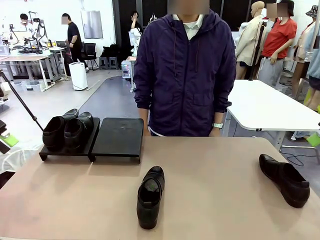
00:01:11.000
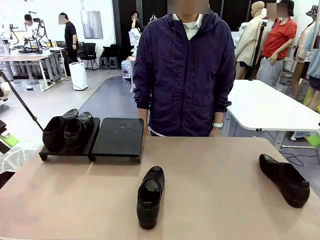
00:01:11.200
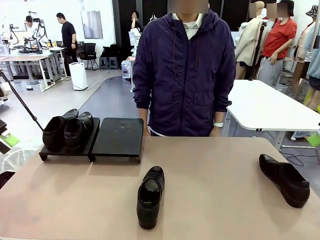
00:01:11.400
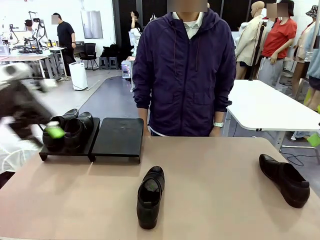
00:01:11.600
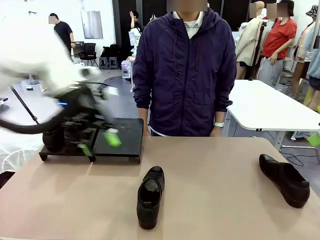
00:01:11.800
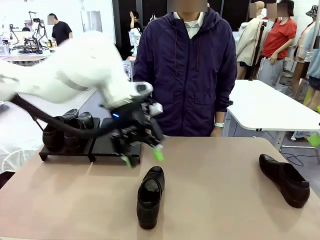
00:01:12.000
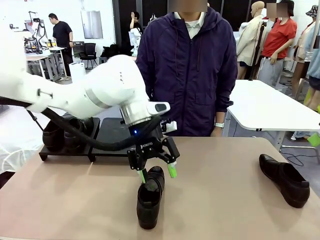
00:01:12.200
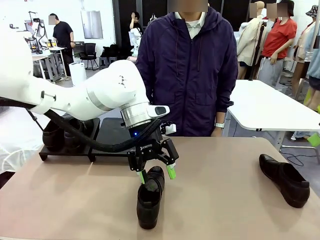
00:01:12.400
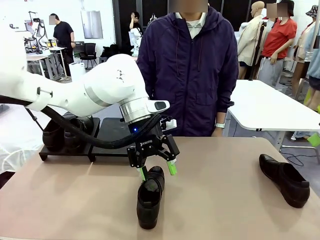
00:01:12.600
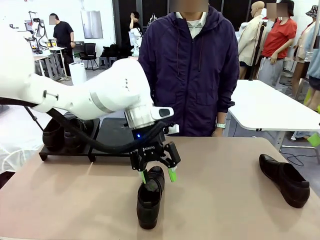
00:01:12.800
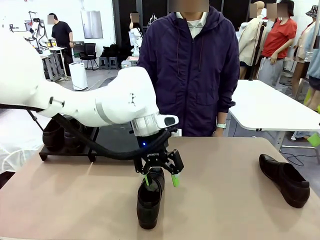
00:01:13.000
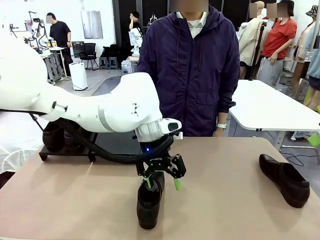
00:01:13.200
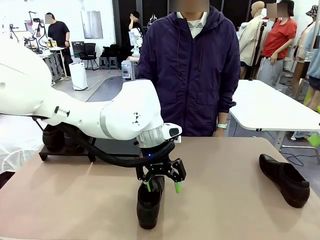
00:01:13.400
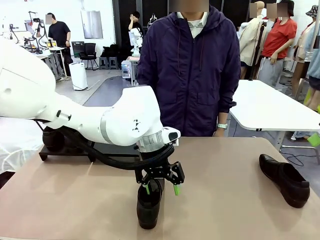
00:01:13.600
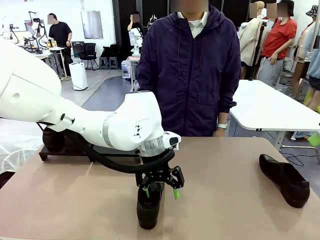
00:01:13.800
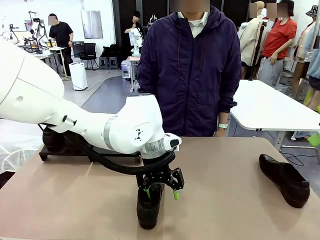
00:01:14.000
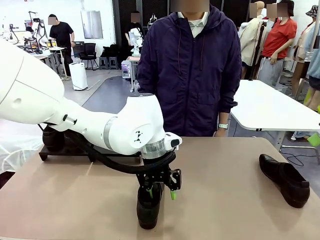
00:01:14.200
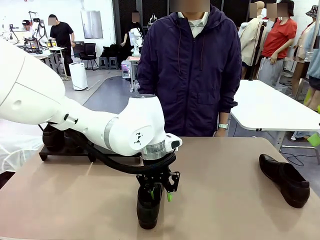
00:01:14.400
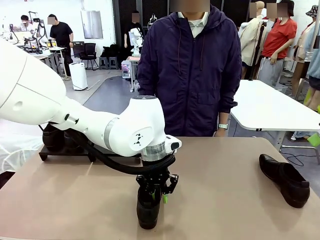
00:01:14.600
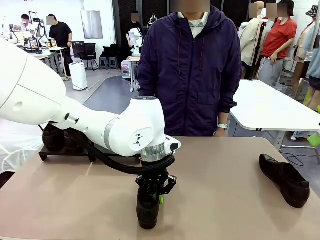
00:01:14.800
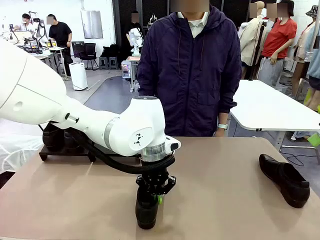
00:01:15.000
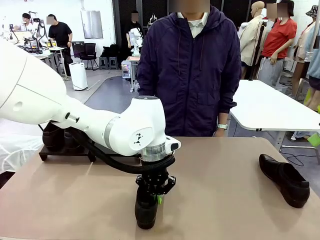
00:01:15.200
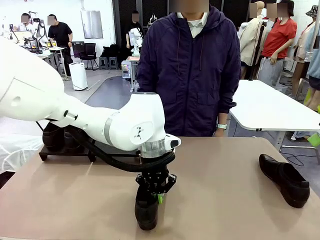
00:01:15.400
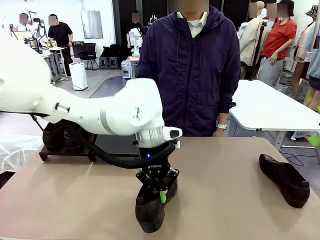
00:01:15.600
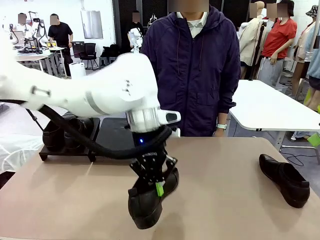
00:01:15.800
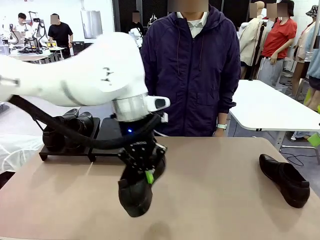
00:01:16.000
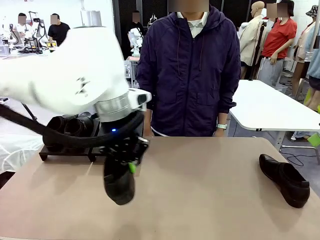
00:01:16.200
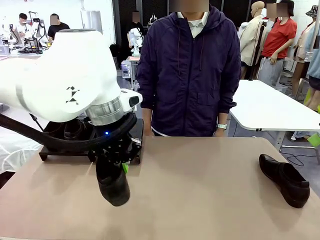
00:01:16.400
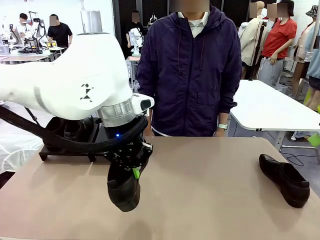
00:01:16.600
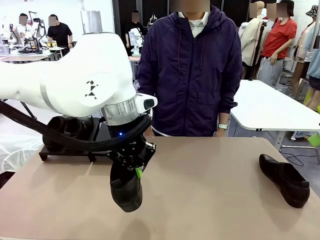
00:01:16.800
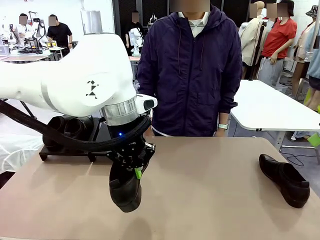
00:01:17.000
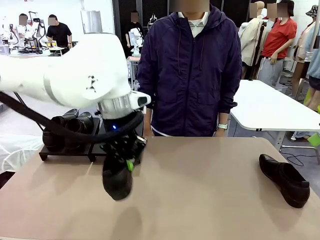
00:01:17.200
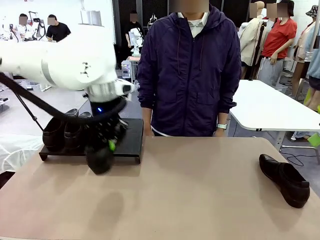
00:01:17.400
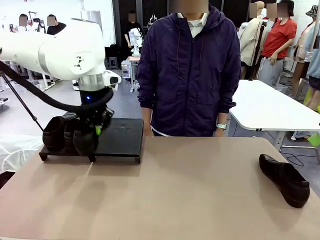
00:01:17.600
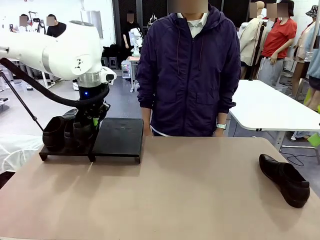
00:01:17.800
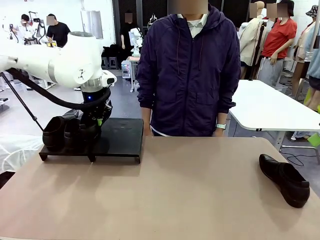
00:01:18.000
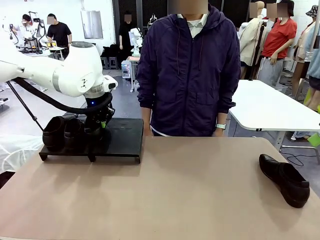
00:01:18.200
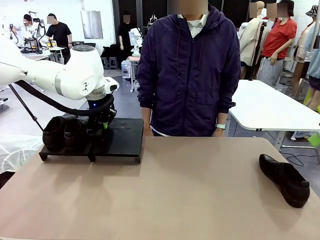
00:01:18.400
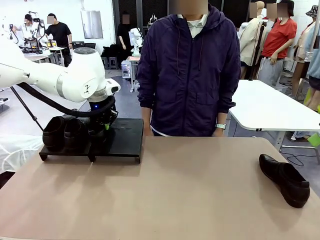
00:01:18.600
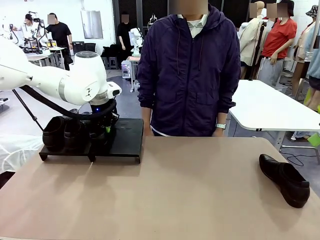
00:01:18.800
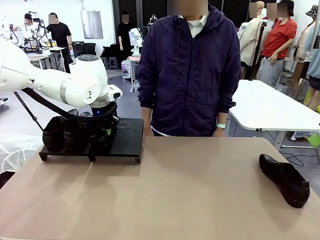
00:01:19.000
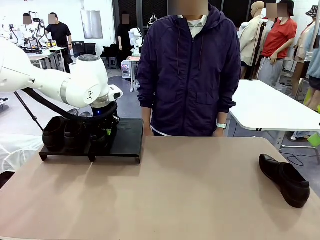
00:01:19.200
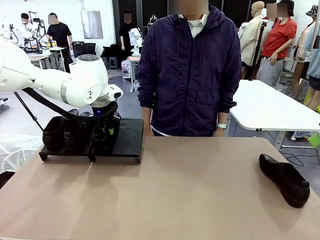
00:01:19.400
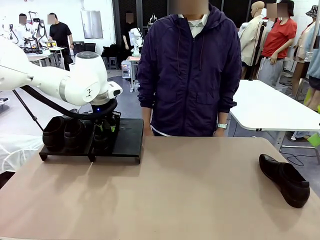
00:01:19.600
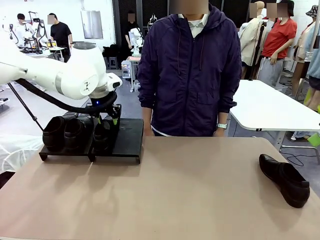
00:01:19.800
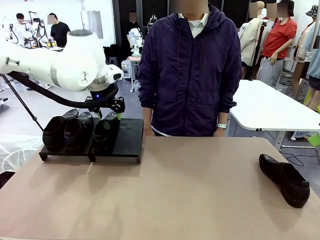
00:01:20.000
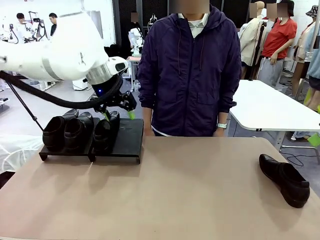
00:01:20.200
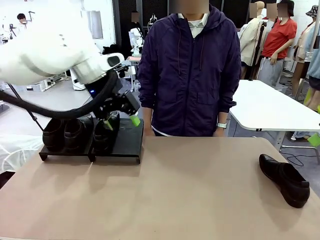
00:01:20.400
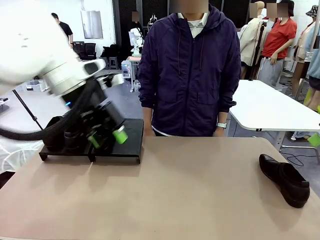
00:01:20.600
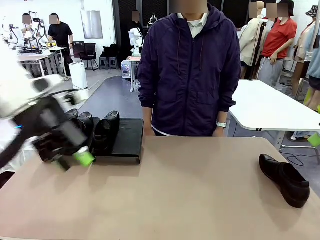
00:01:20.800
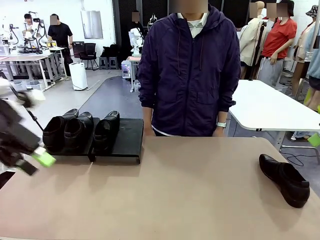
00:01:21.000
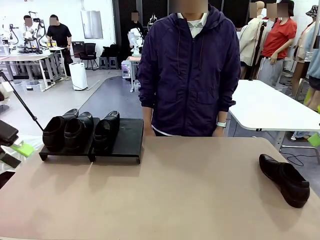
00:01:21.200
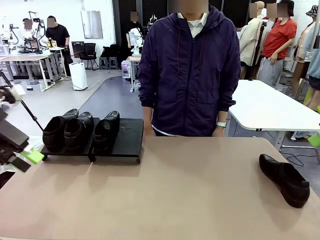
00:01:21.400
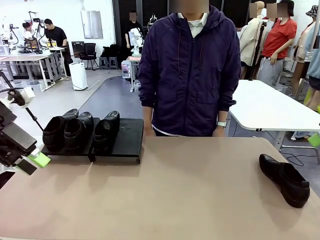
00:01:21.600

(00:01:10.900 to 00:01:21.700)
Task: Organize the shoes by placing them on the stand.
Robot: Place the Shoe from the middle of the table onto the Shoes Stand.

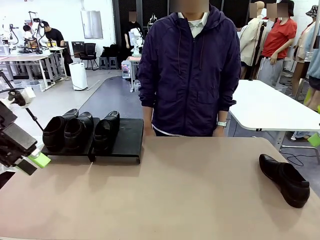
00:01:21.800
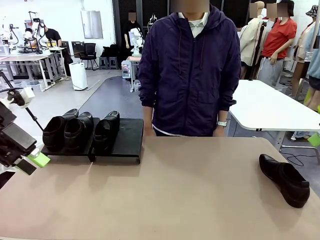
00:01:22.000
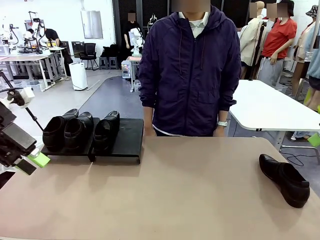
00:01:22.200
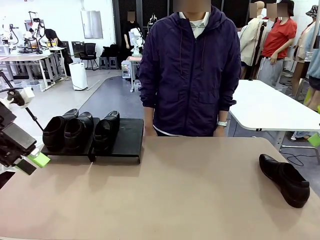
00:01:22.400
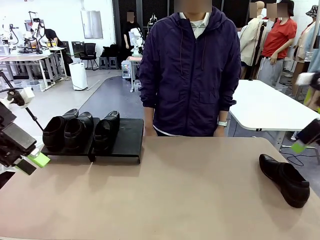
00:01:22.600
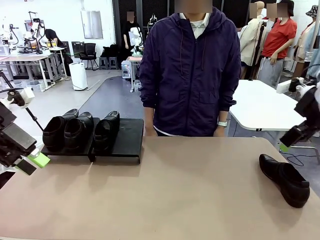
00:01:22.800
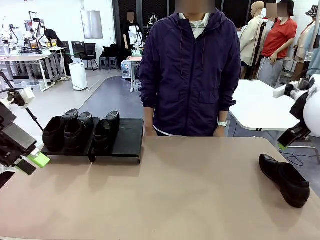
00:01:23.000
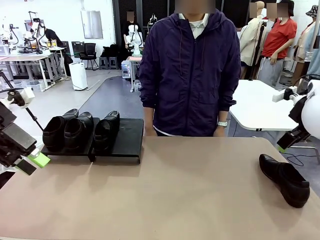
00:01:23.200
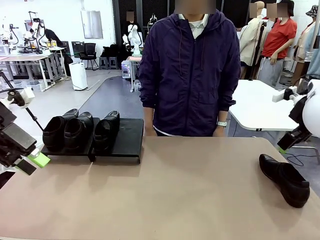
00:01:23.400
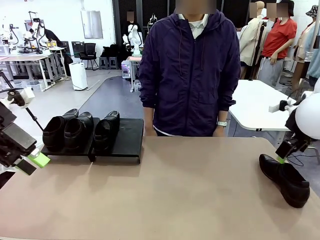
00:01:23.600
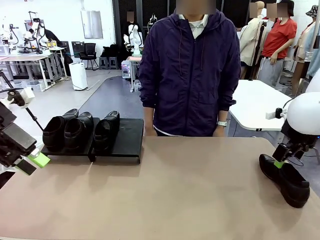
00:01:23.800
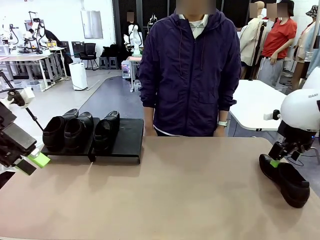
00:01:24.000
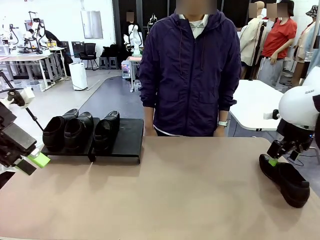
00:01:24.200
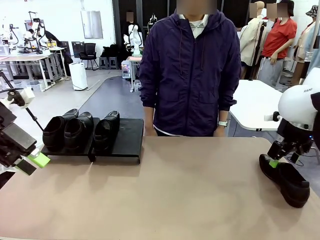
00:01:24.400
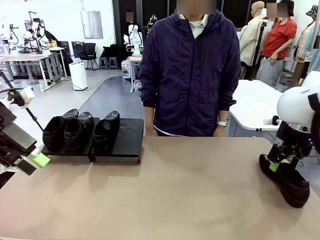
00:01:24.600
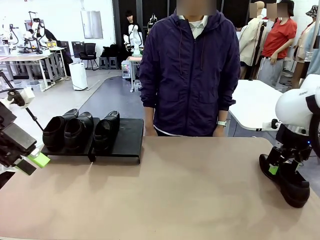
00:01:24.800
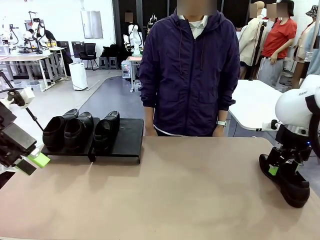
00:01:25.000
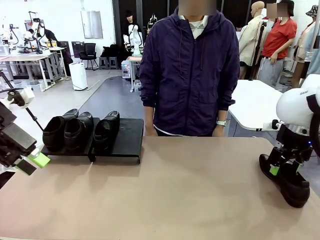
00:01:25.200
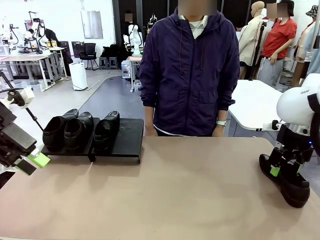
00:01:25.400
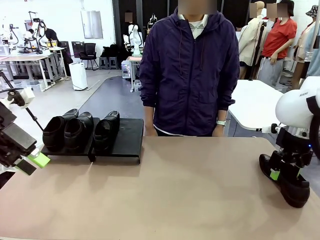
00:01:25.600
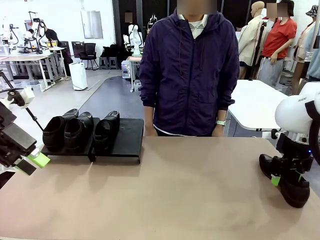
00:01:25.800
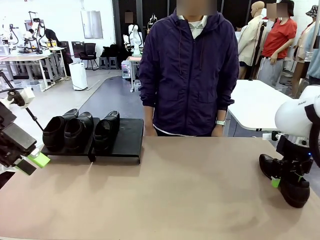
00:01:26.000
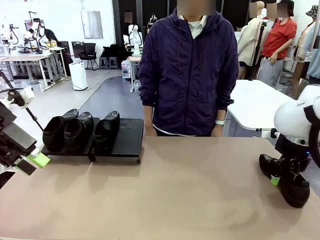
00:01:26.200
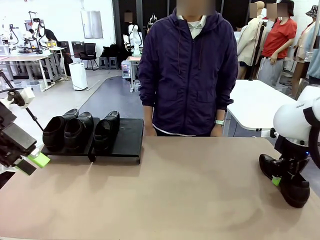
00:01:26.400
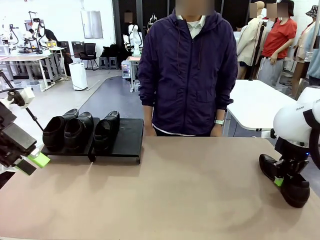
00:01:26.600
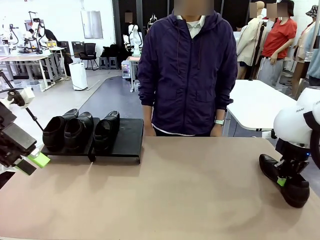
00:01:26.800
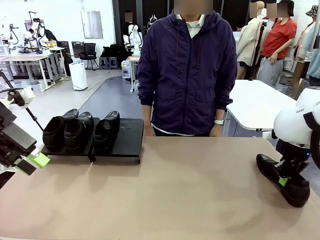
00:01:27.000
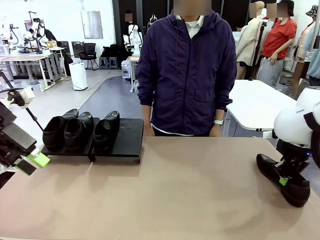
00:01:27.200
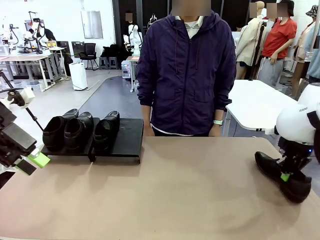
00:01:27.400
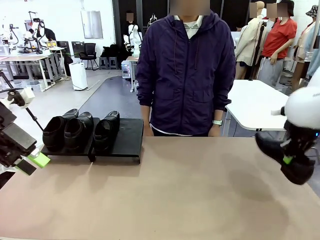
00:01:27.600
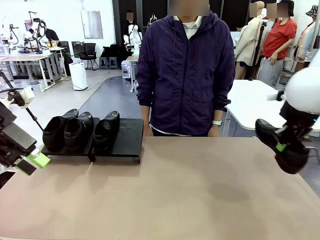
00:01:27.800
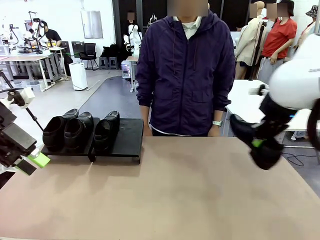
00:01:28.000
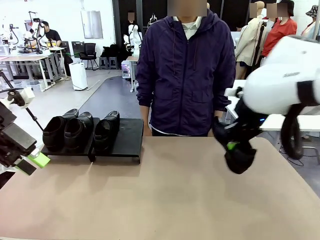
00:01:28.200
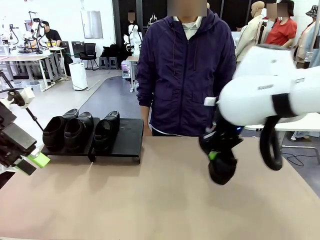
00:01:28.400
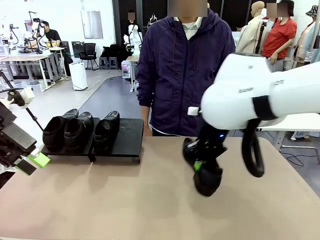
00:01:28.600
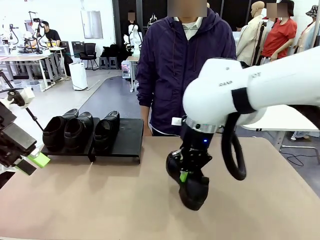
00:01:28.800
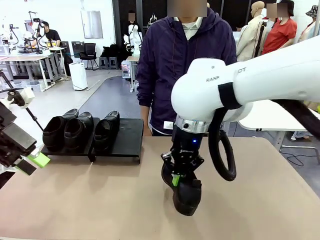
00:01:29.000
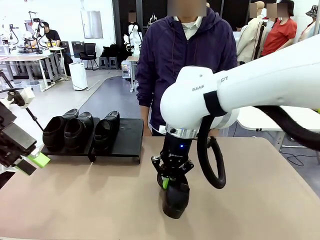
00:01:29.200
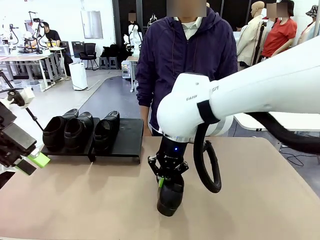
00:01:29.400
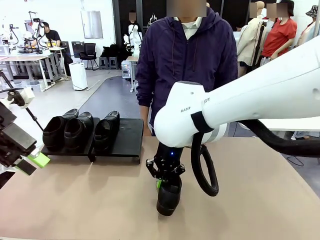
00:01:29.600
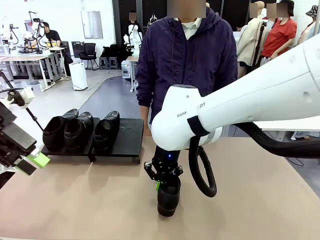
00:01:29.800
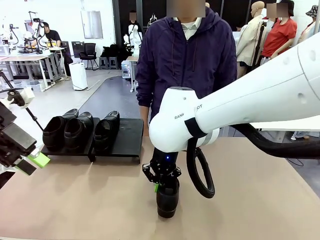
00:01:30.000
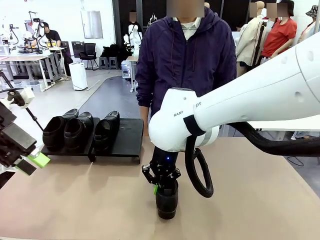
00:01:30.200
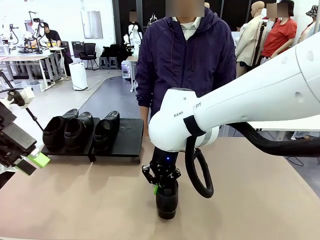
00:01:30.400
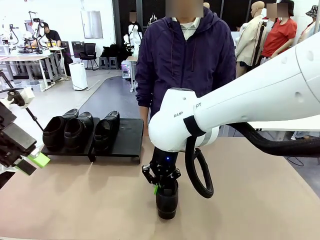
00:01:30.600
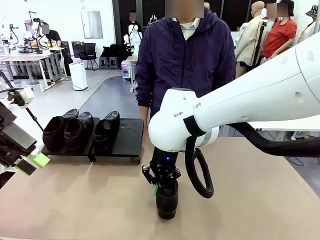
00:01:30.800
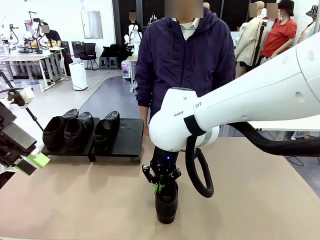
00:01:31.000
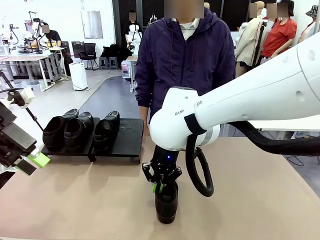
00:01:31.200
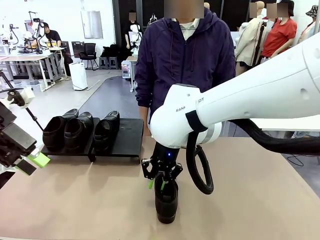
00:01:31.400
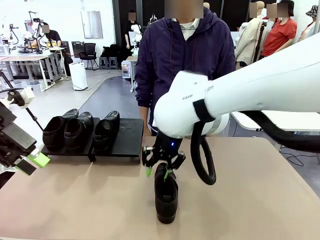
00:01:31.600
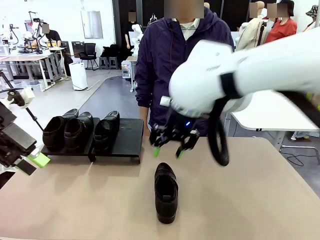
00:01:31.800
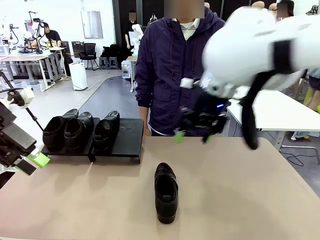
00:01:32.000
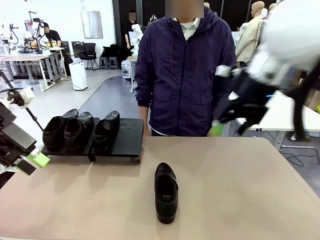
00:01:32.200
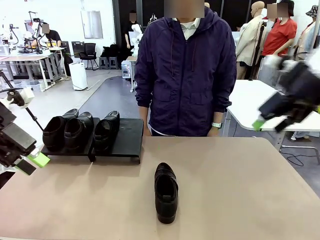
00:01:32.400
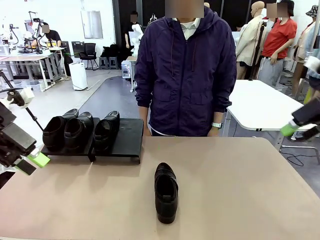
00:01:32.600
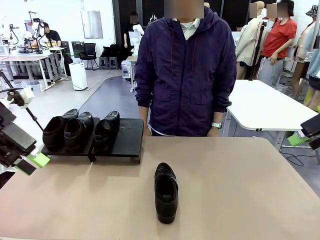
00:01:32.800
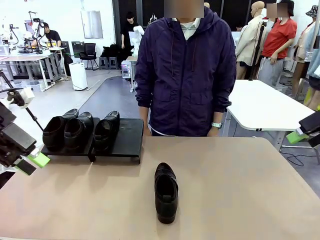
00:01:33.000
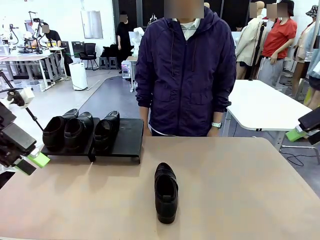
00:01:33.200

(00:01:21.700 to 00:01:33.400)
Robot: Pick up one Shoe and place it in the middle of the table.
